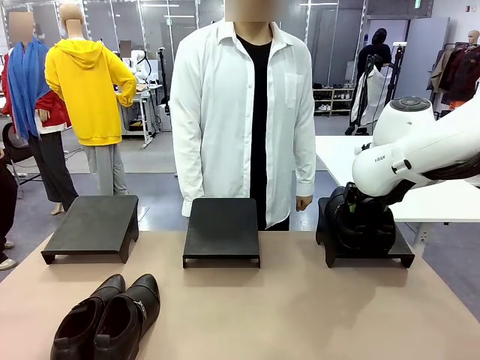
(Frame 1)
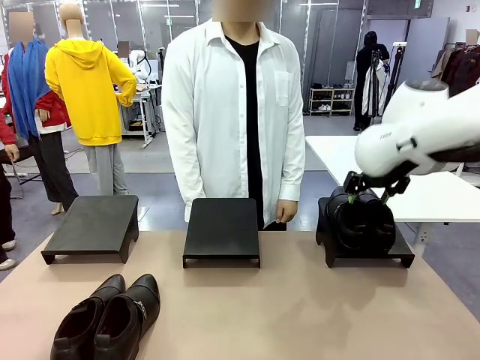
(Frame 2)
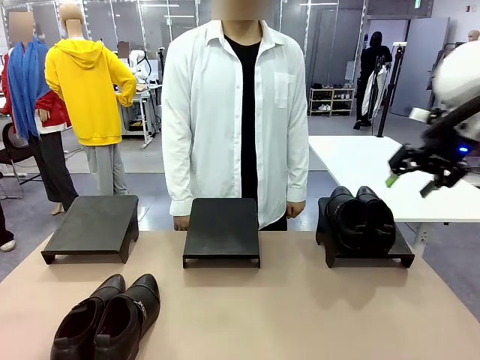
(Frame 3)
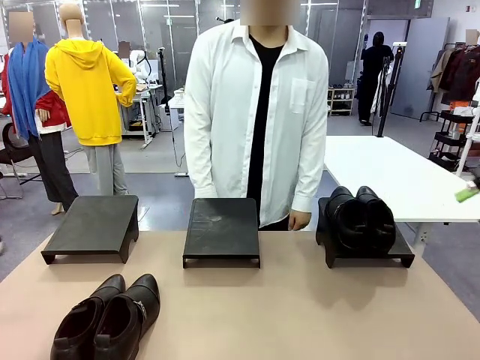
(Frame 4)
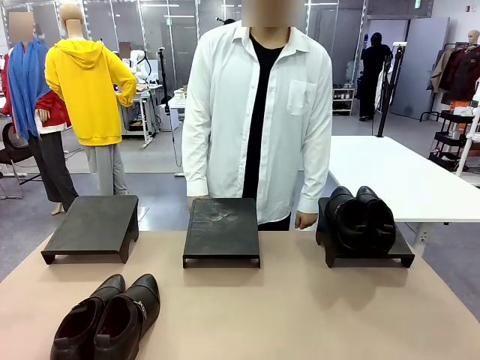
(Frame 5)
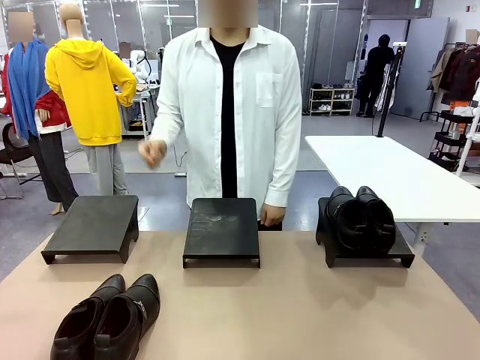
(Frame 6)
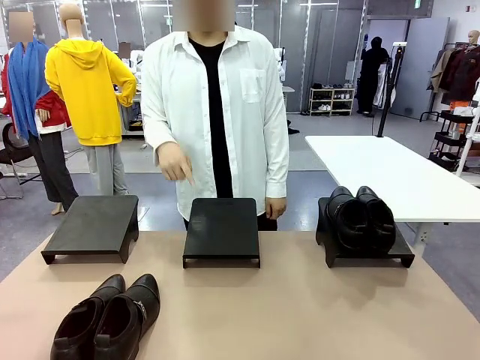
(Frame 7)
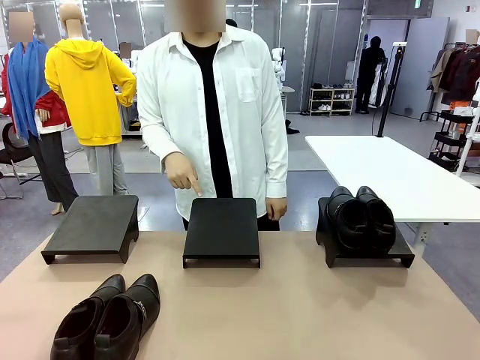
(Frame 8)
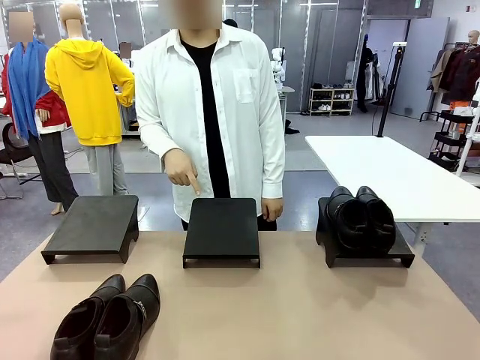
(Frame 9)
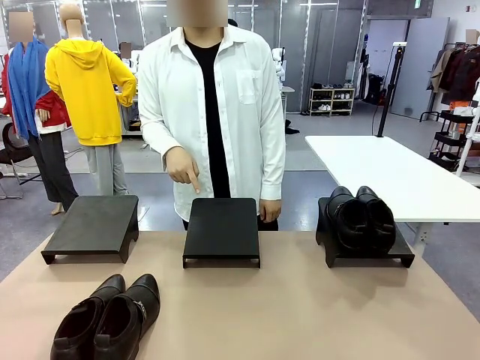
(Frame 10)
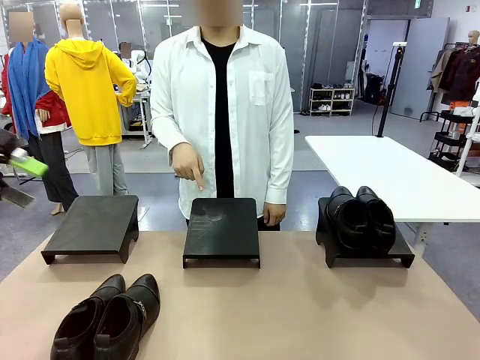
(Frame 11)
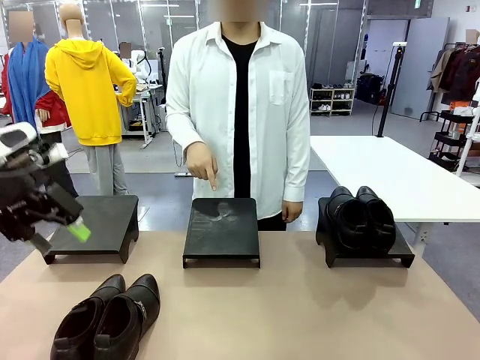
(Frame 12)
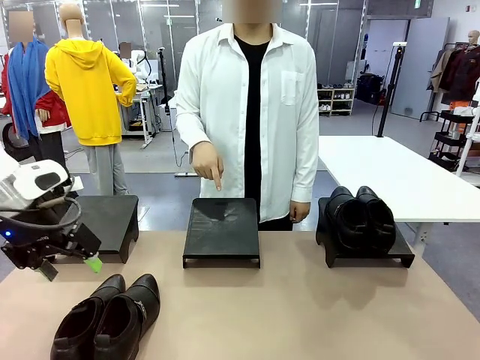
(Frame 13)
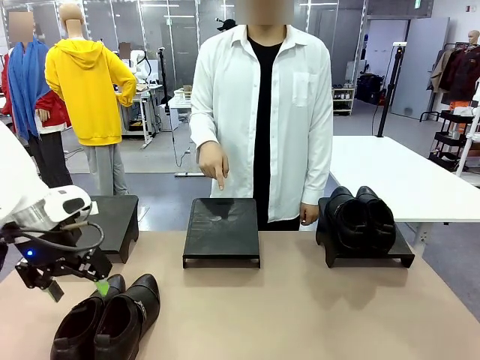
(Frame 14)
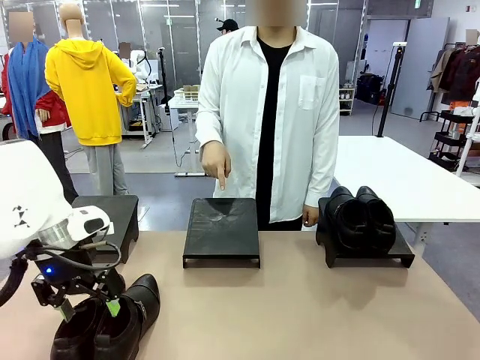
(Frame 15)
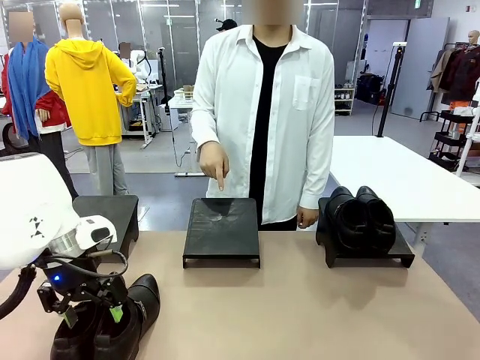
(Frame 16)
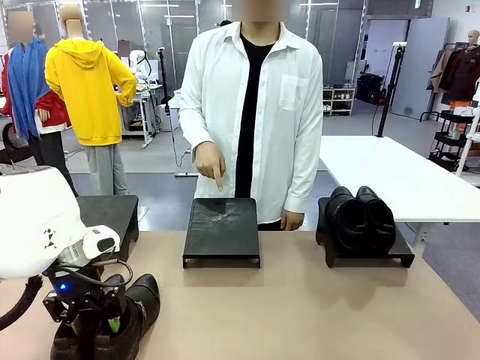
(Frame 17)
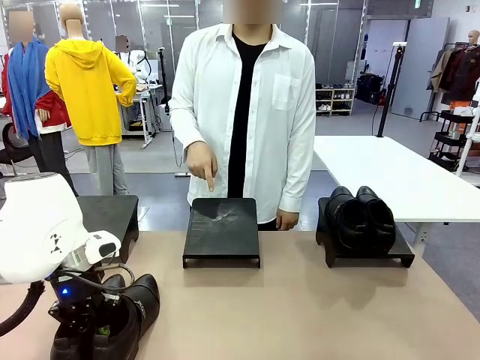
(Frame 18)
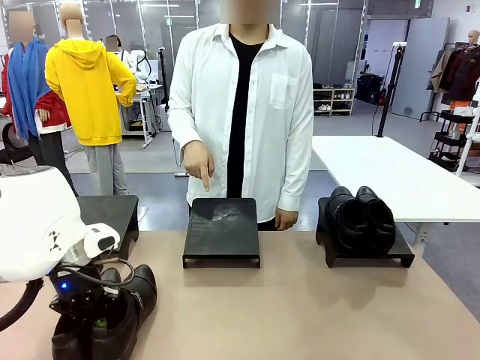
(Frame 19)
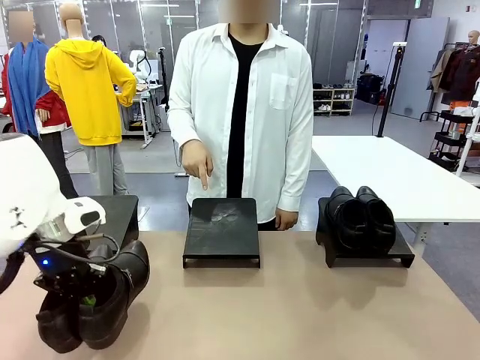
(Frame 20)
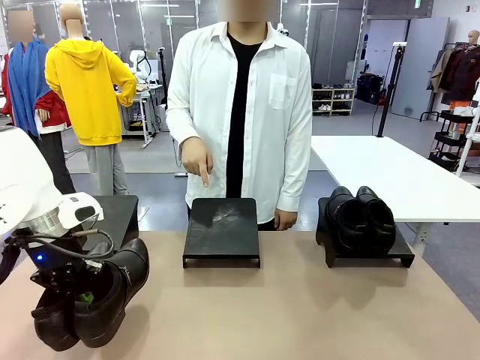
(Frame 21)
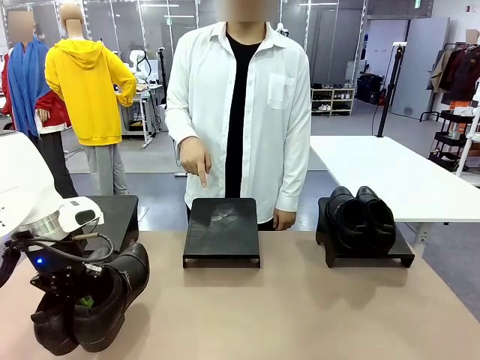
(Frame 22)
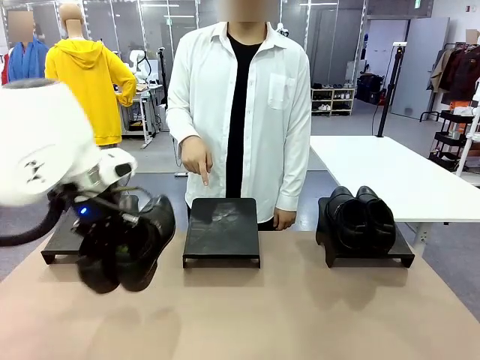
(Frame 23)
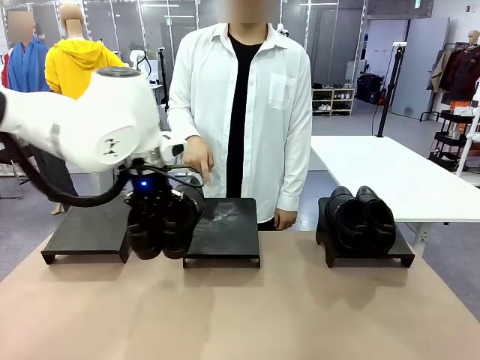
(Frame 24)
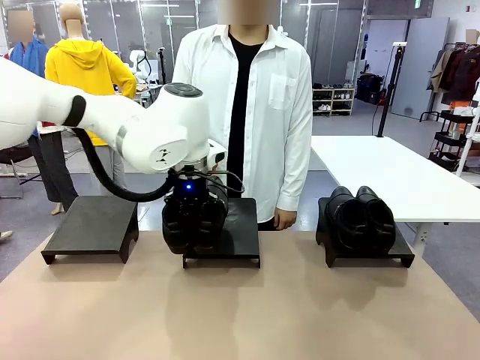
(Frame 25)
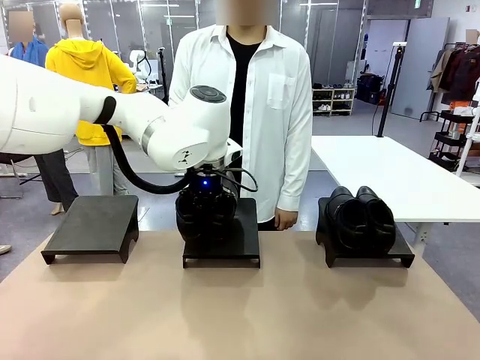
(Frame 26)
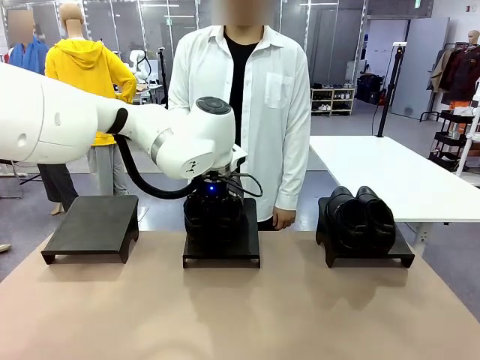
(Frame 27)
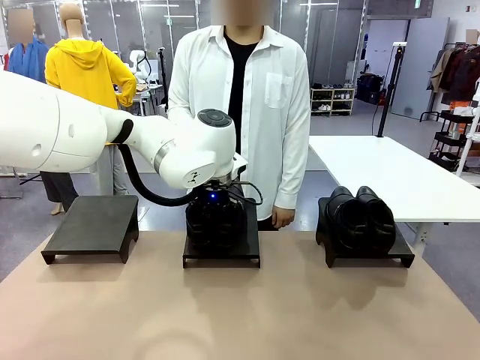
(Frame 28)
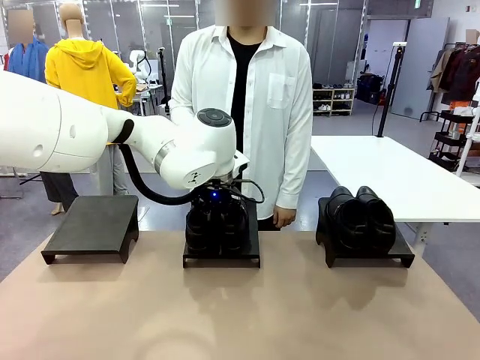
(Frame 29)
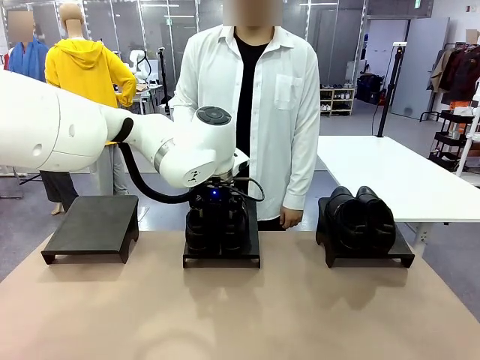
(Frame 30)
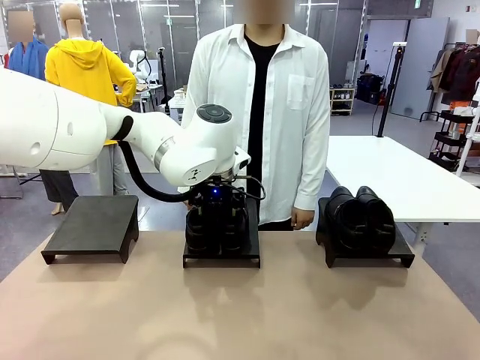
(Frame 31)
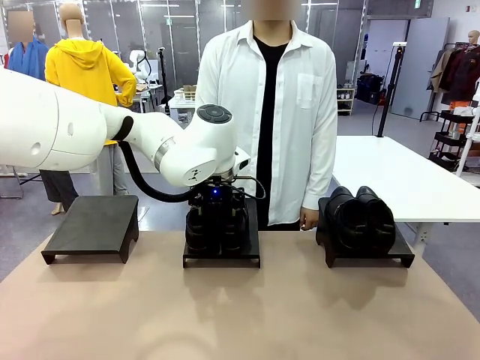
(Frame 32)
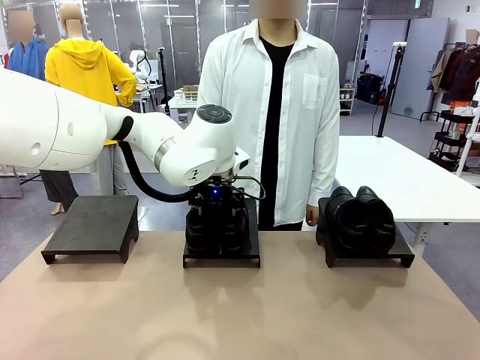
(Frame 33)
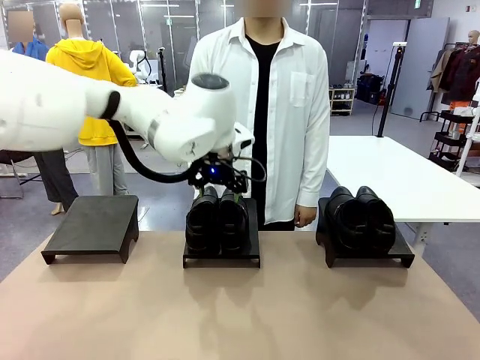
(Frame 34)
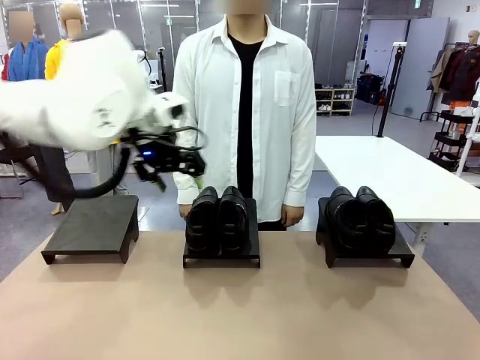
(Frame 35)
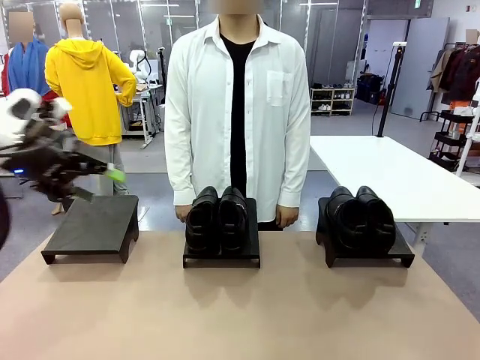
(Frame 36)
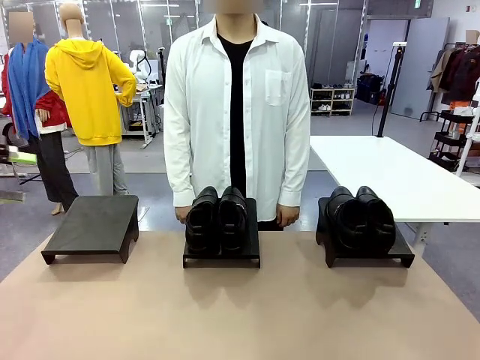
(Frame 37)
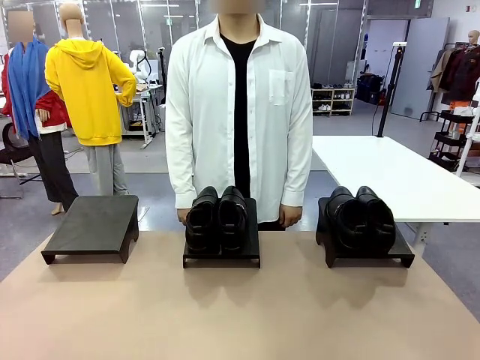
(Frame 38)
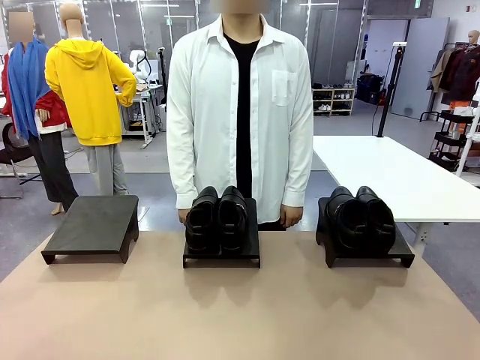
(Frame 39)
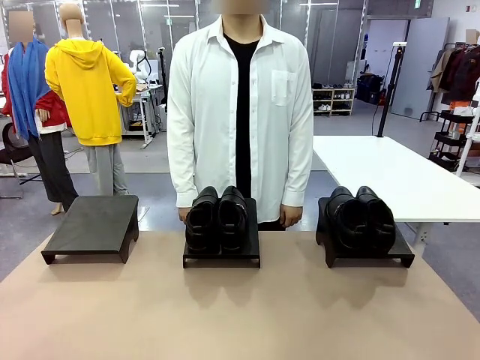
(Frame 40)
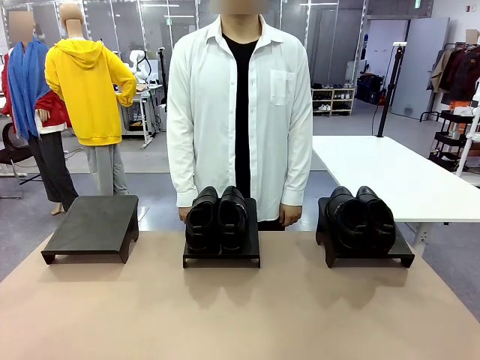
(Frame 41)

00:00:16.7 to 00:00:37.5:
Task: Place the shoes on the stand as instructed by the person.
Robot: Pick up another pair of Shoes and place it on the Shoes Stand indicated by the person.
Person: Point to one Shoes Stand.

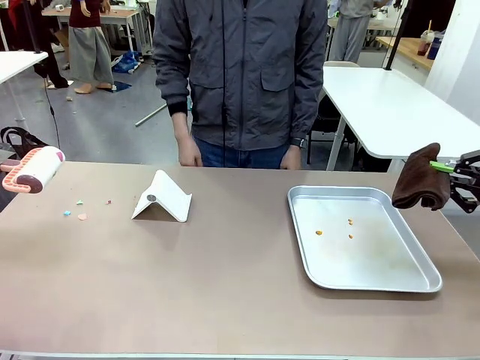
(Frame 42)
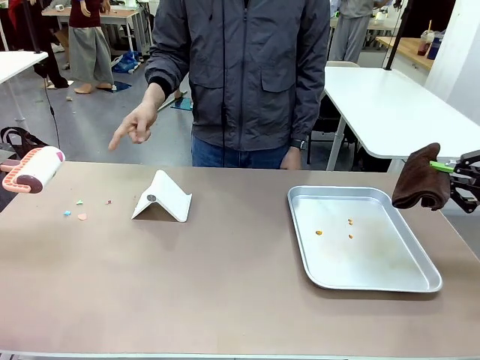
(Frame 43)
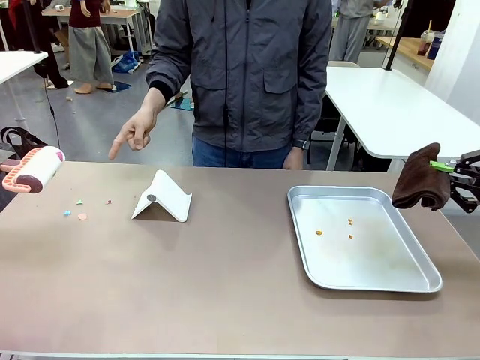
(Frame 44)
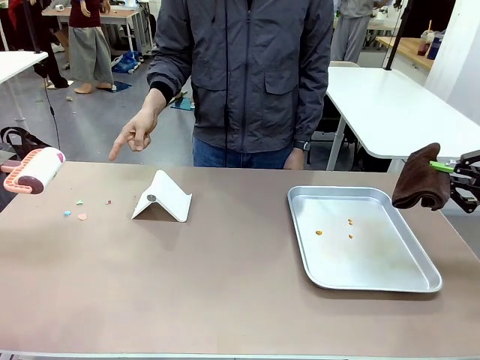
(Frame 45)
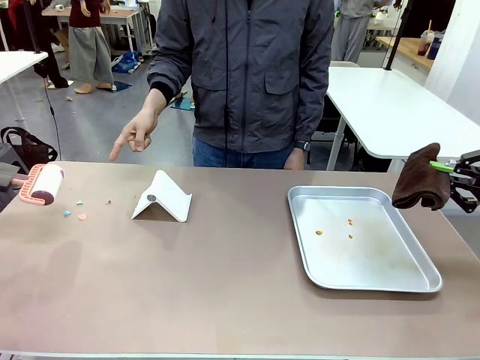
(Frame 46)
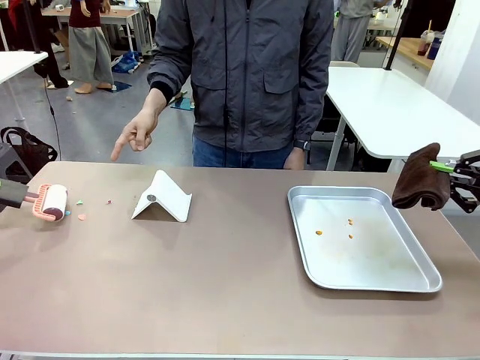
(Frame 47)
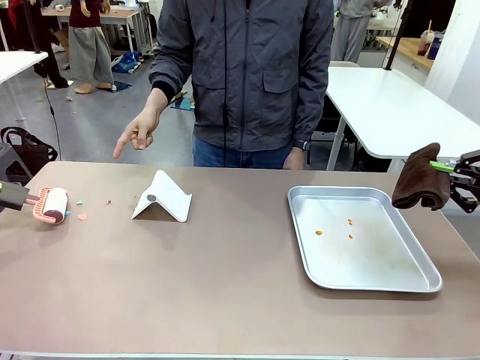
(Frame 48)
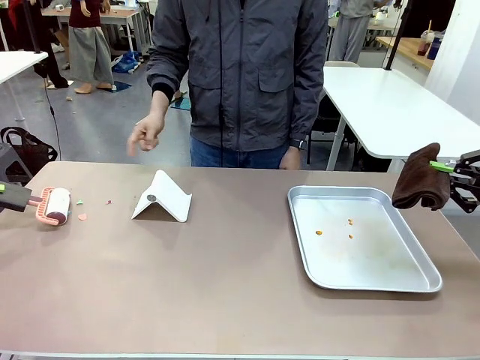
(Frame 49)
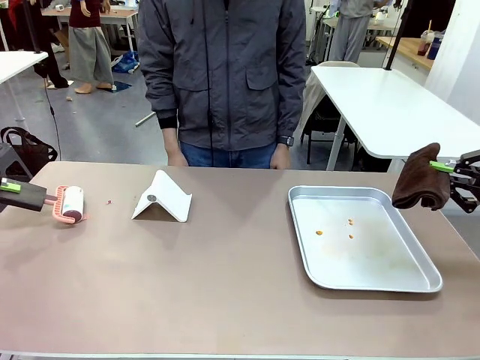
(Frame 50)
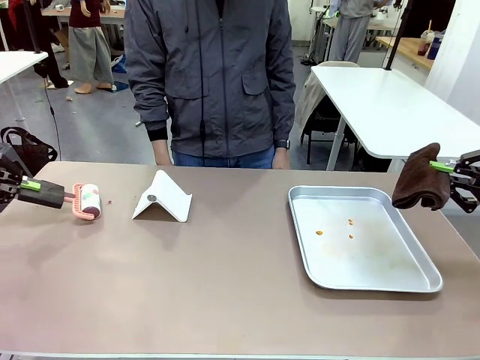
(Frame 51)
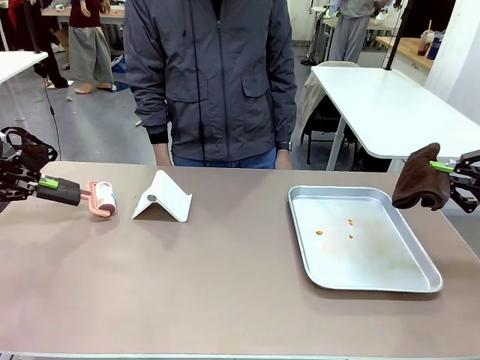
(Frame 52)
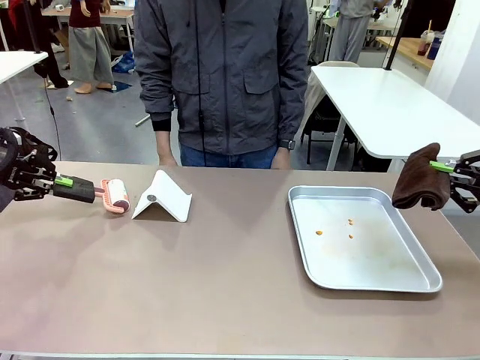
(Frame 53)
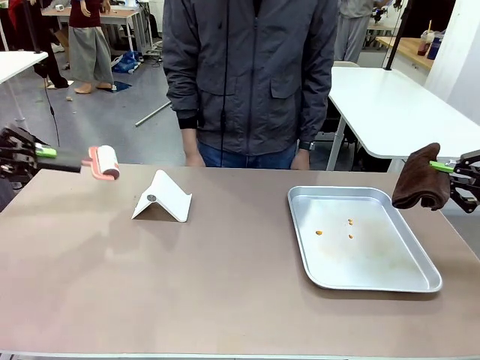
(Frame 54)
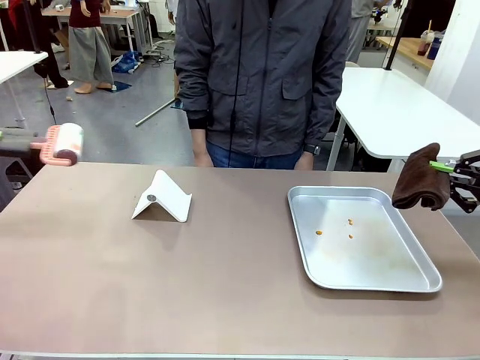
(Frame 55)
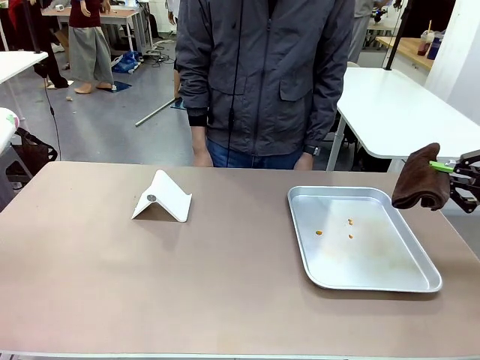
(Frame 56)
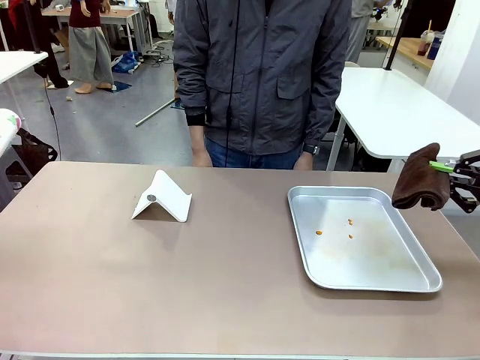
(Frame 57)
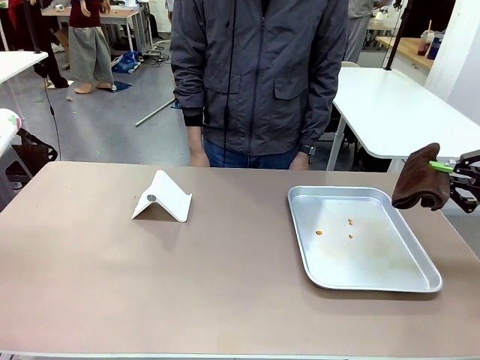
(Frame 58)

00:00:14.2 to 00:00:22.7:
Task: Clean the surface of the table.
Robot: If a person points to the right, clean the right side of the table with your right hand, and if they point to the left, clean the left side with your left hand.
